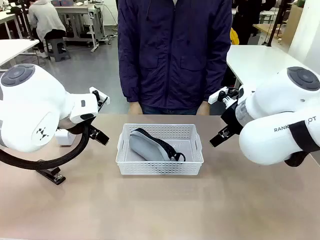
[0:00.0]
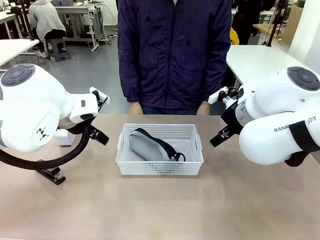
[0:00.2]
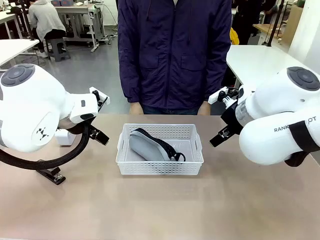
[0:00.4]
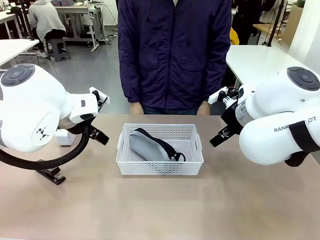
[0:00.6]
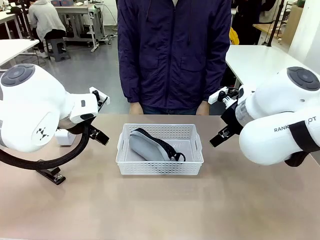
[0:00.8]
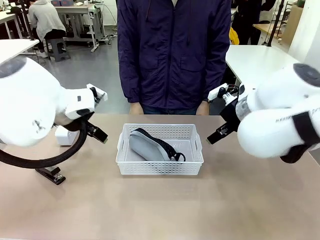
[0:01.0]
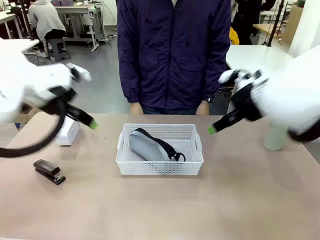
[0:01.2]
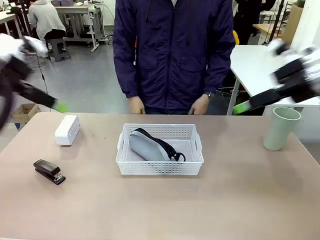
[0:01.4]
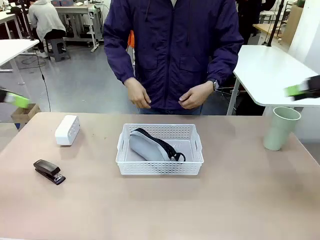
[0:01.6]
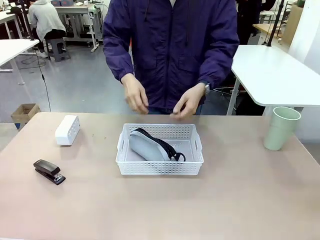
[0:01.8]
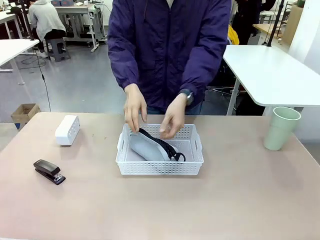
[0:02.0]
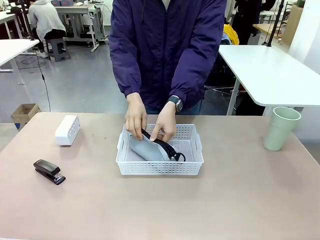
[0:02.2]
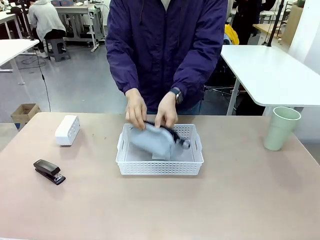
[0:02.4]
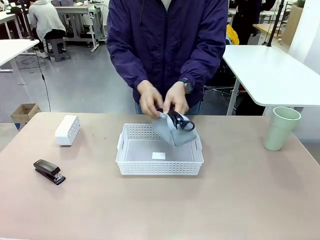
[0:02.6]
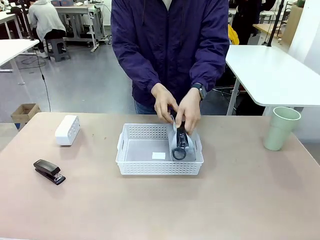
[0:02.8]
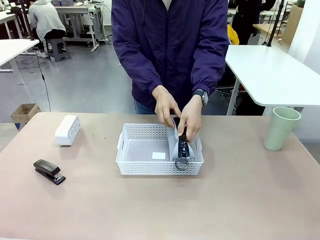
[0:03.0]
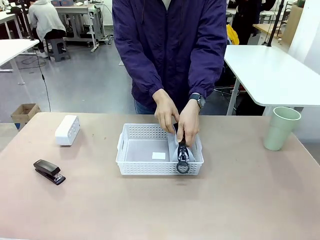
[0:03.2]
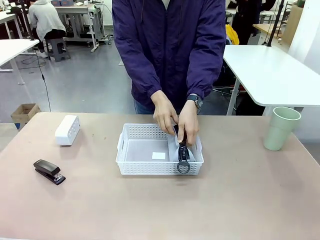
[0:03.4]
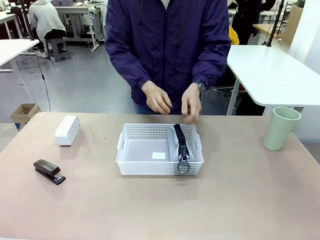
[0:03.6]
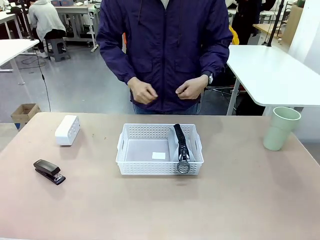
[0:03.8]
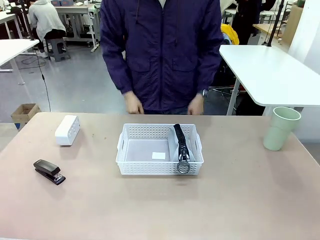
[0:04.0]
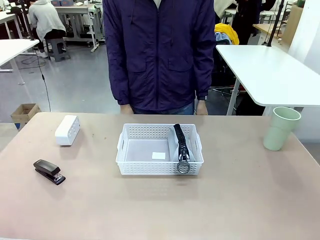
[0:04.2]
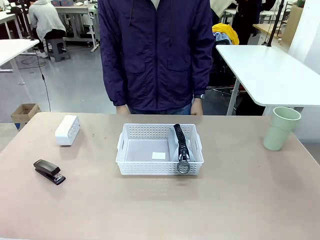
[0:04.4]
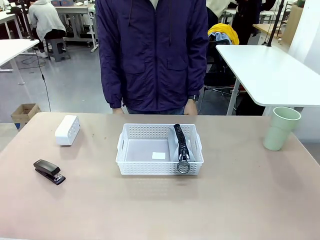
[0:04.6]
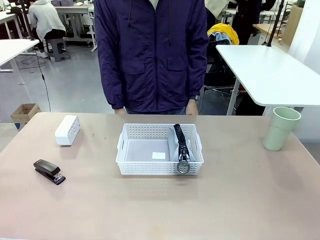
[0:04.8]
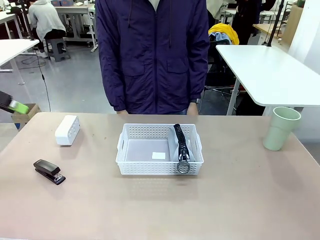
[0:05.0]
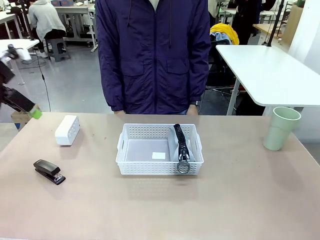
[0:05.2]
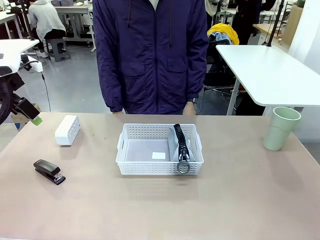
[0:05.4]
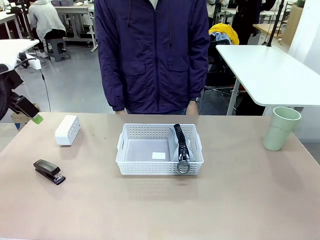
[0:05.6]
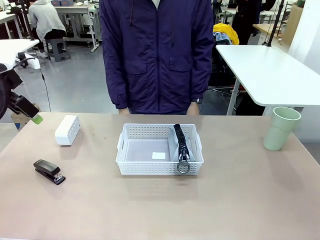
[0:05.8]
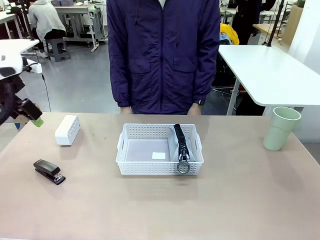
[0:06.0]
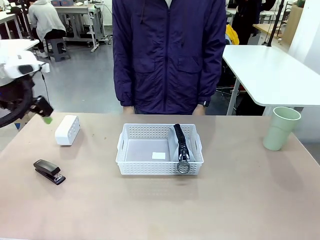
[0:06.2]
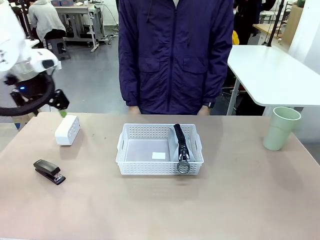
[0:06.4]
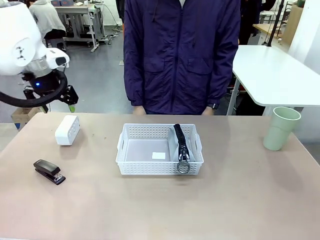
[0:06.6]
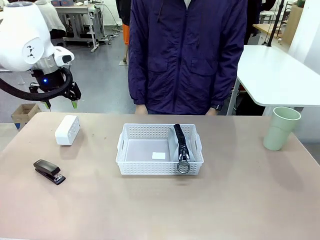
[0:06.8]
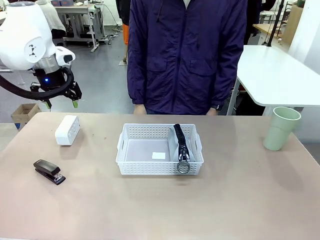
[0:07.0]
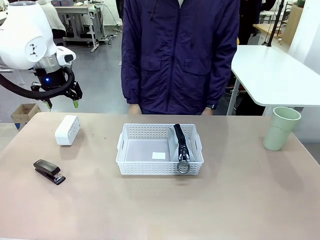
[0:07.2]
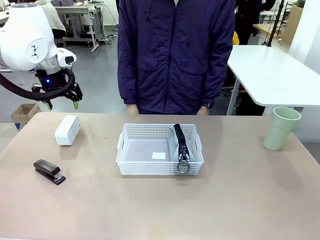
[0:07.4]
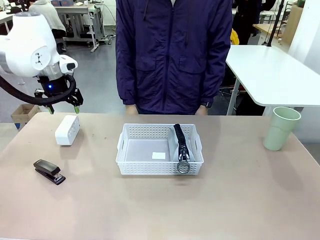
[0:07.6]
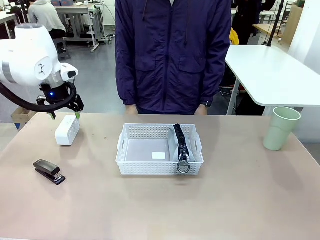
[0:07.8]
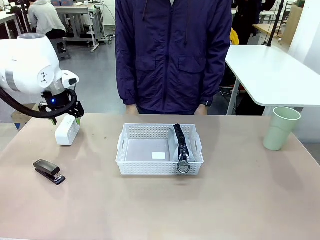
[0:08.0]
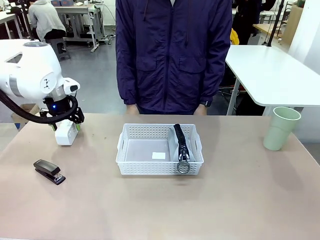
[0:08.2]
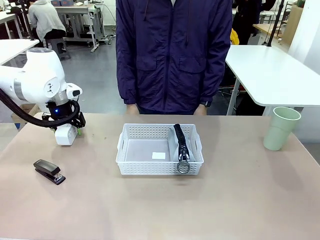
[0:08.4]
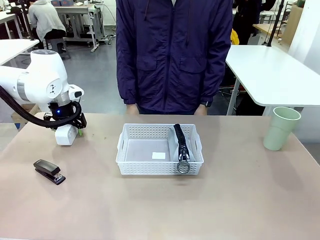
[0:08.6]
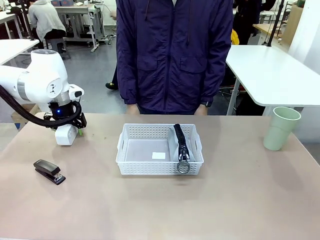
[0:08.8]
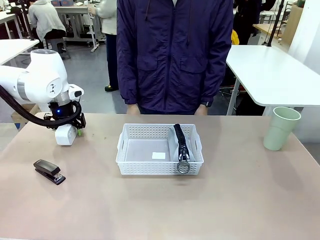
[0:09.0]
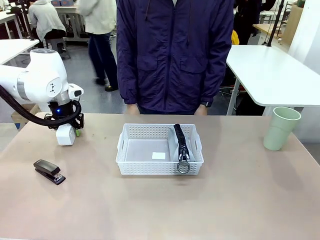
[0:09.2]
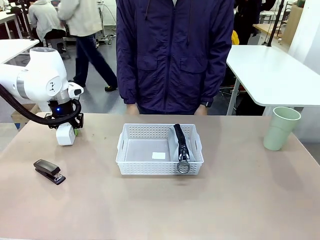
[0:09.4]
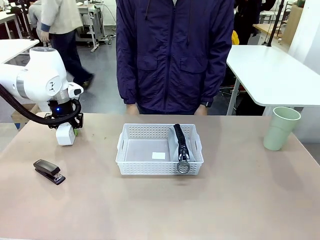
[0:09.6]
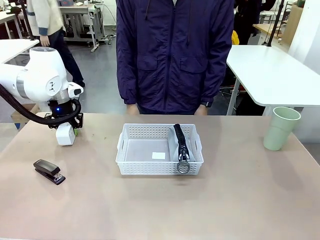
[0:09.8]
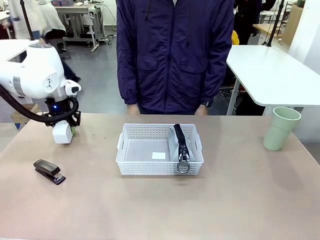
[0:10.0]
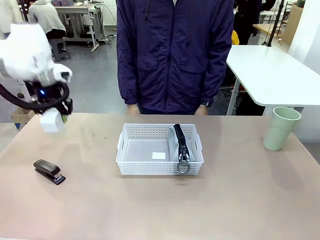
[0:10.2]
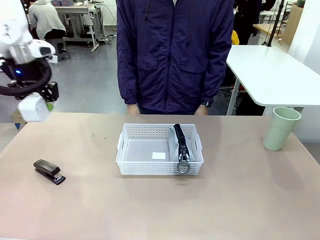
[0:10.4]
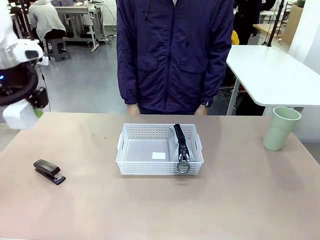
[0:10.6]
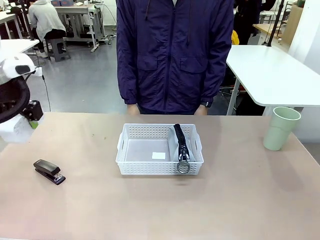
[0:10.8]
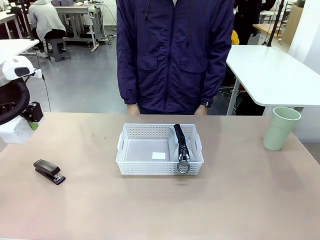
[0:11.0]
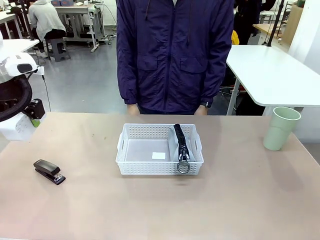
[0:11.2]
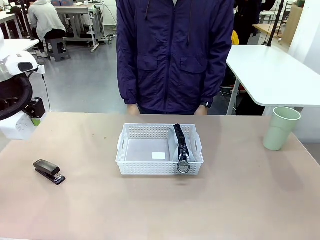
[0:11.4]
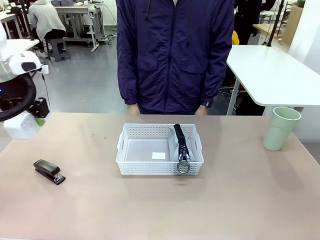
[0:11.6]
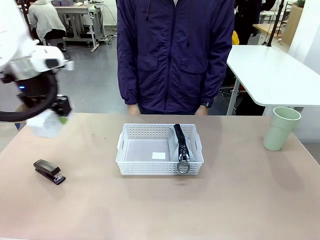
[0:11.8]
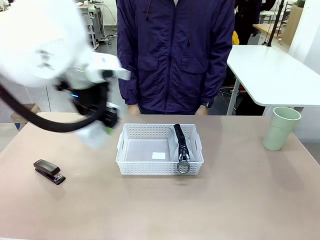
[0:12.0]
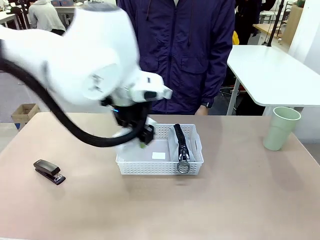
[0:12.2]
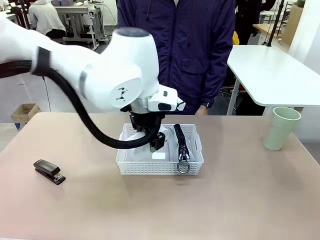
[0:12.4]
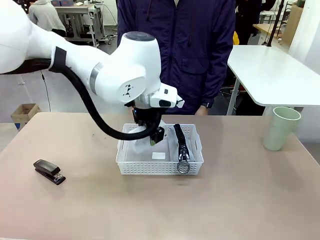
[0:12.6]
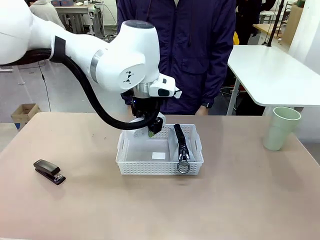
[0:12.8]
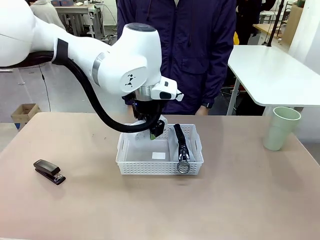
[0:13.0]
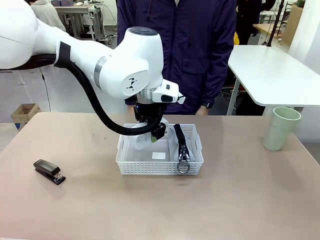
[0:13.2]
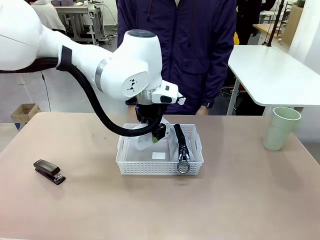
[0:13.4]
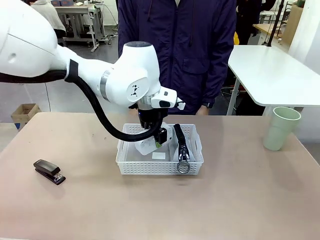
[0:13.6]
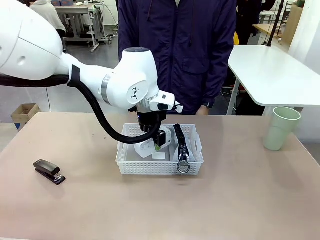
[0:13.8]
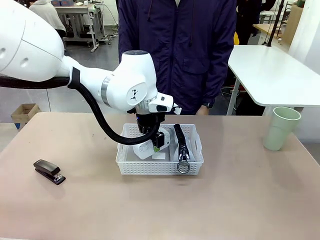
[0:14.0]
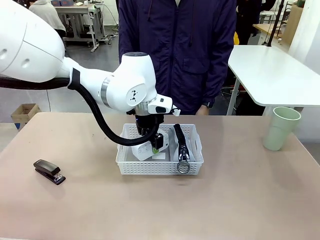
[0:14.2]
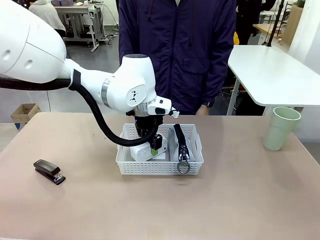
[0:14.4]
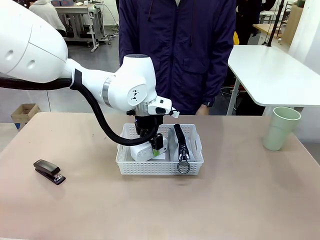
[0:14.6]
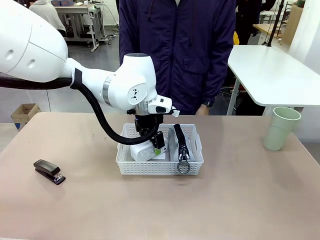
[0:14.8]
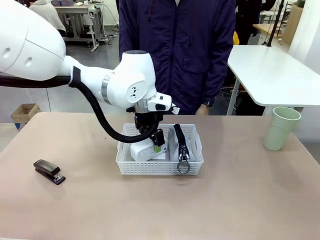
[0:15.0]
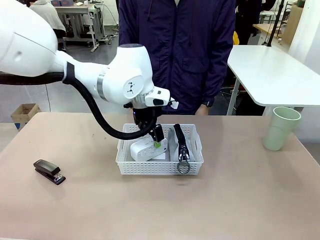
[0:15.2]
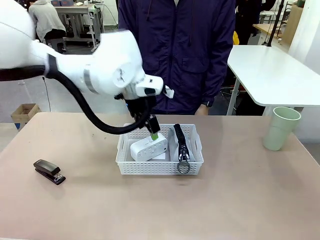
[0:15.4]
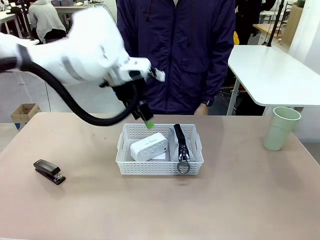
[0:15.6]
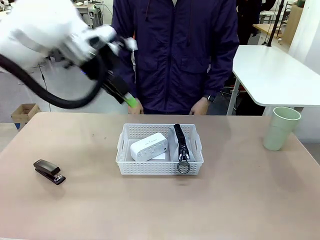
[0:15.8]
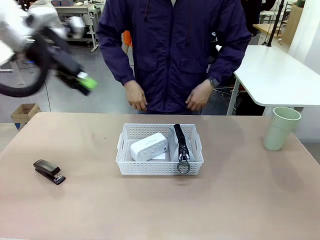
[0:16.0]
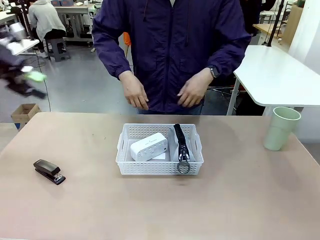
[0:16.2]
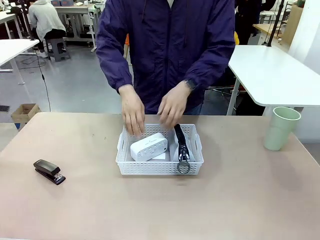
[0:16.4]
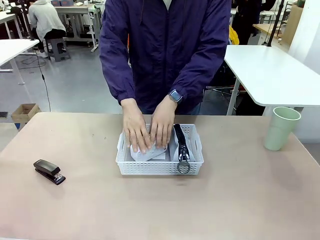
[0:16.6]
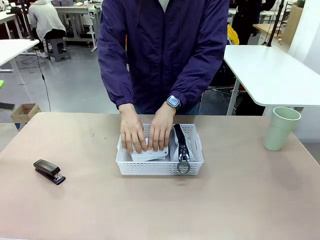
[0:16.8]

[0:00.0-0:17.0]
Task: Efficiently arrange items inside the basket to fit them all.
Robot: Pick up the Digital clock and place it inside the Organizing basket.
Person: Repositions the pencil case. Repositions the digital clock.
